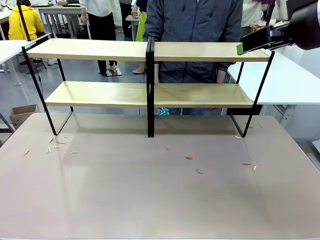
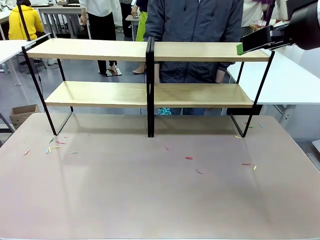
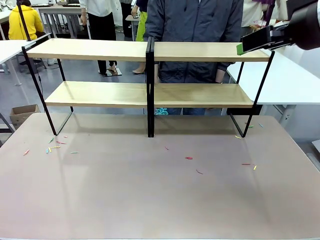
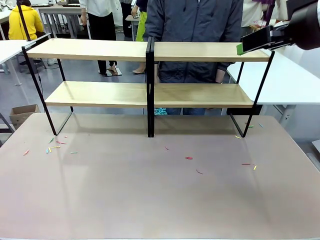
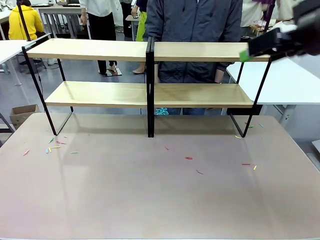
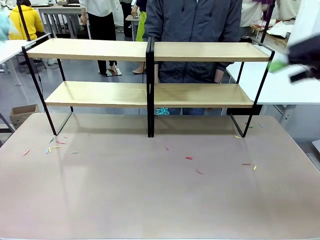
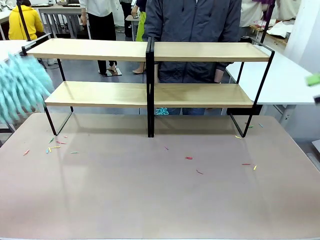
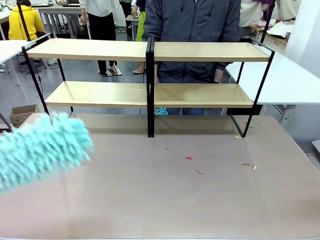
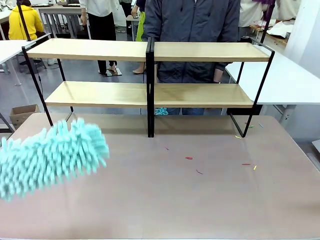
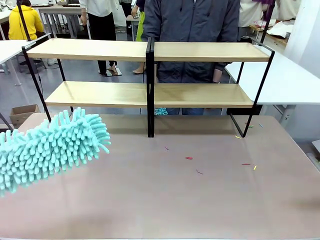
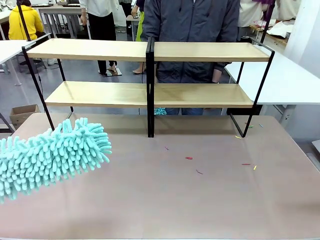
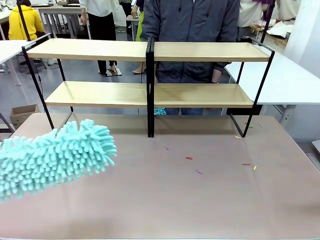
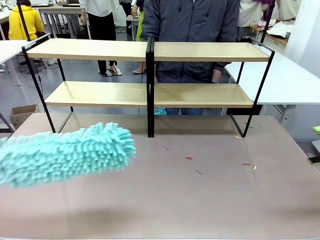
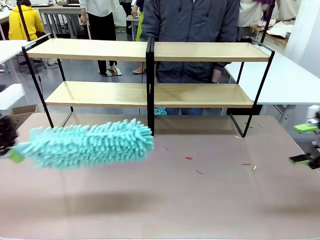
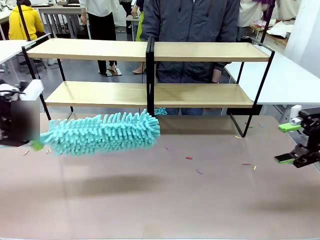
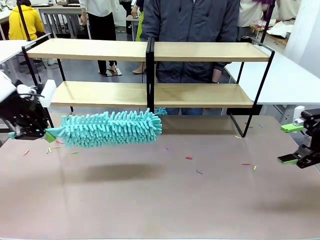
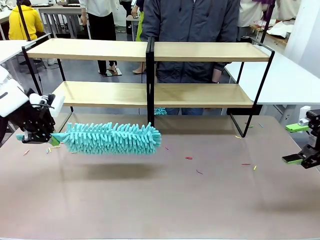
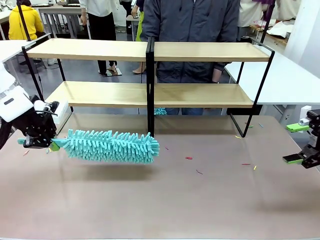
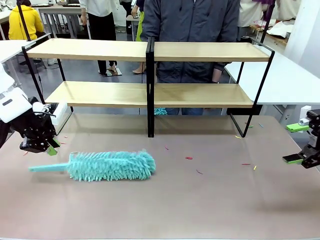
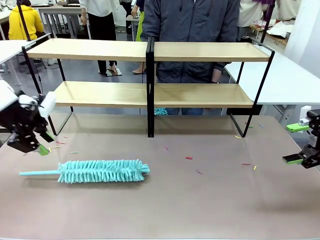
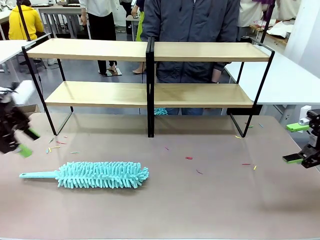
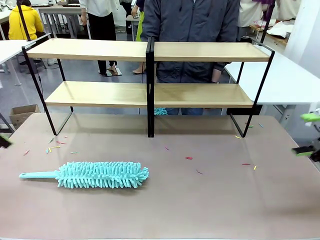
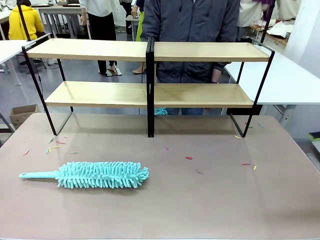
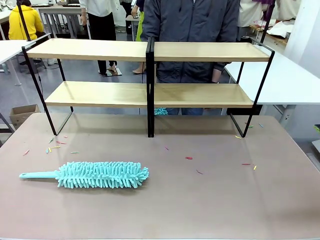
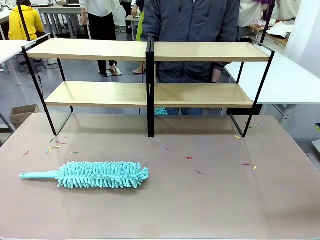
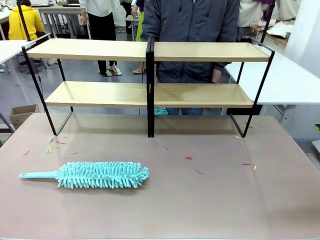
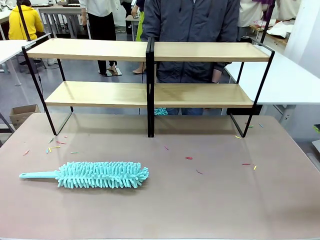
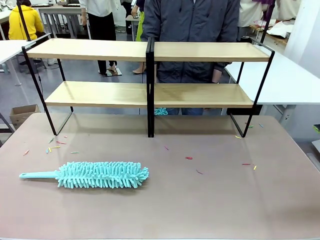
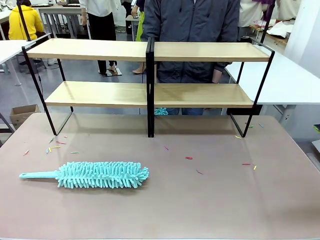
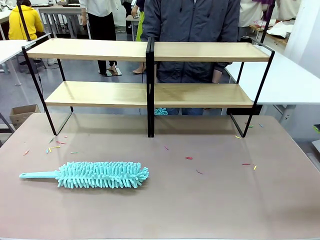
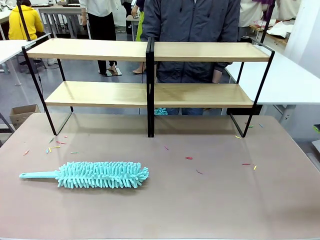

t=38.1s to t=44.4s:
Task: Clean the shelves.
Robot: Place the Duster on the table.

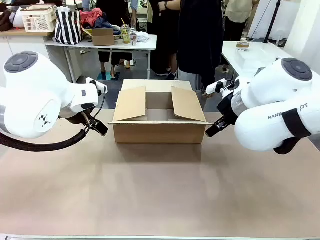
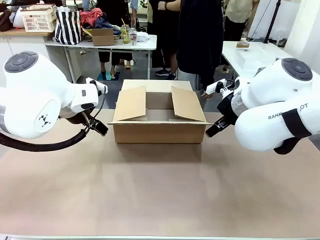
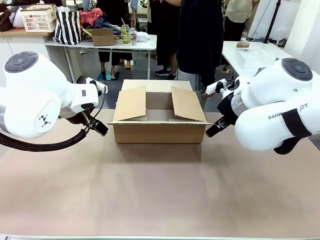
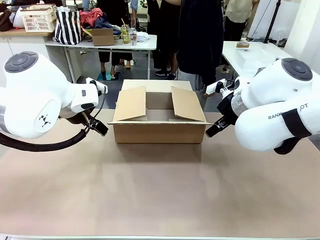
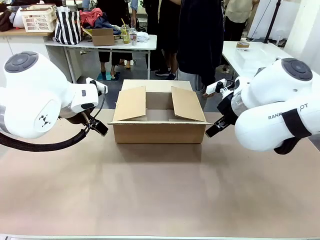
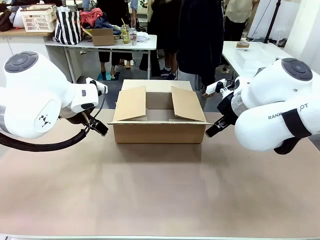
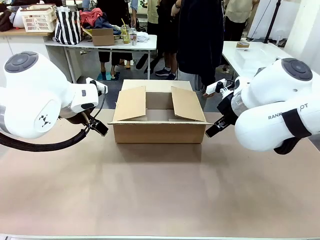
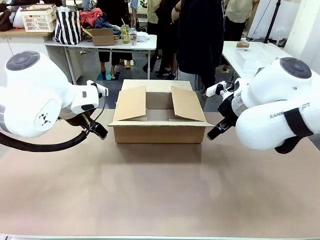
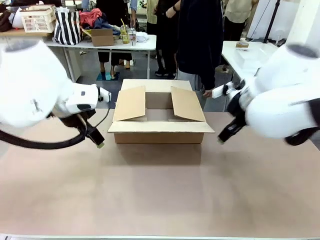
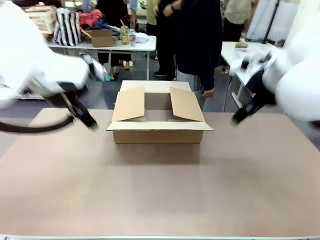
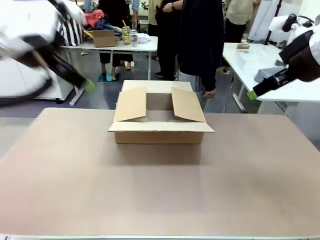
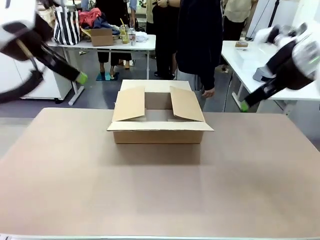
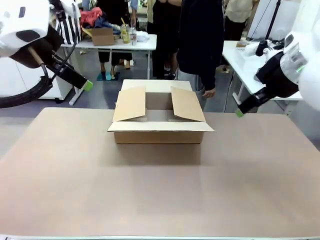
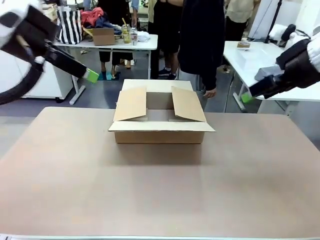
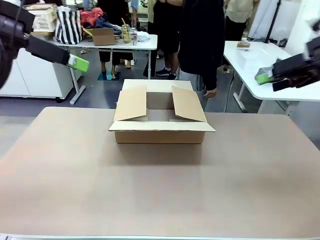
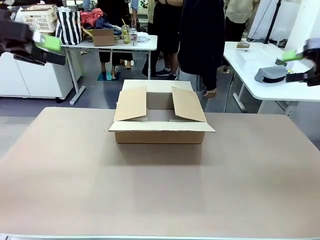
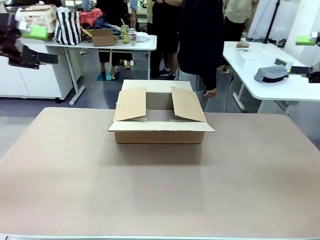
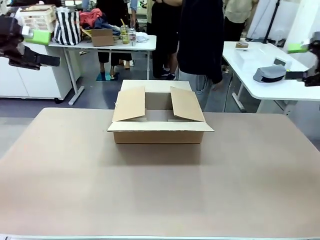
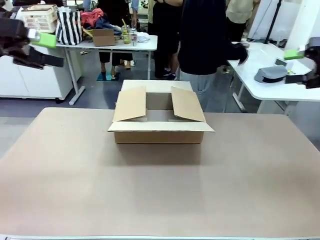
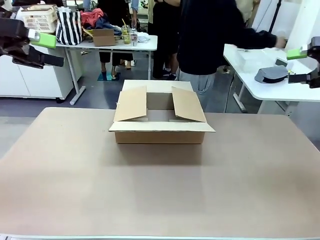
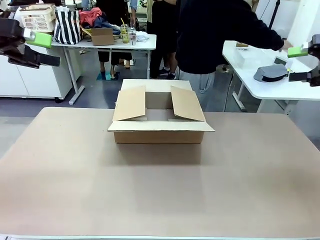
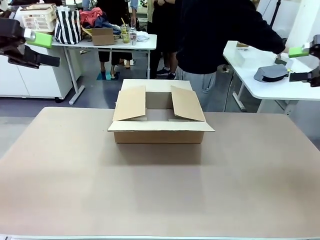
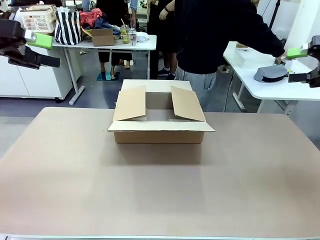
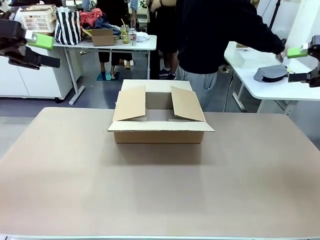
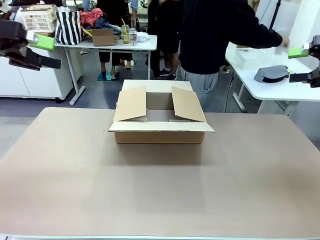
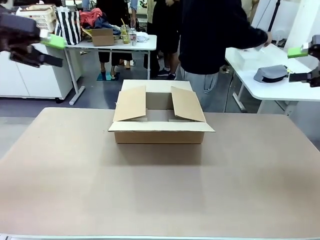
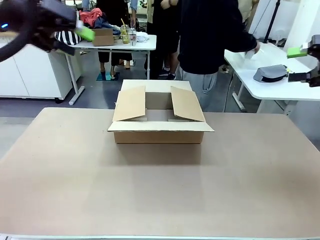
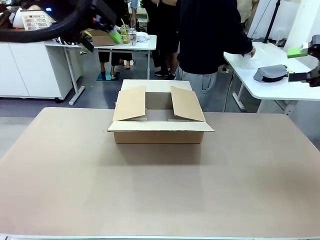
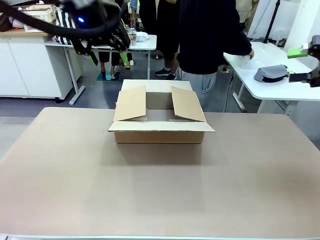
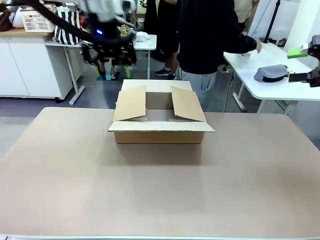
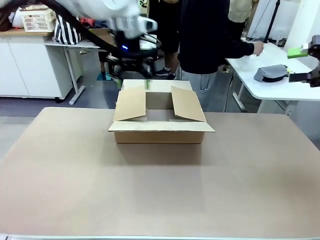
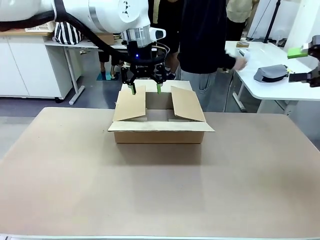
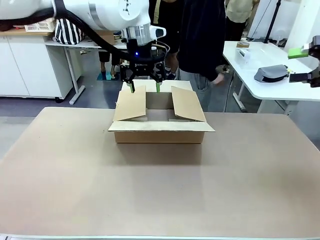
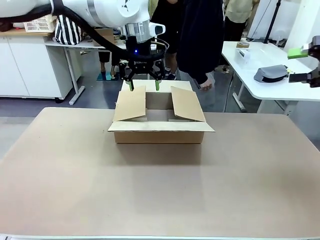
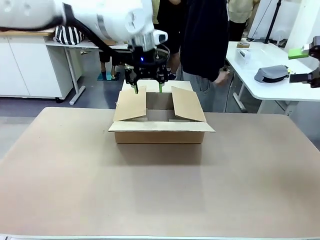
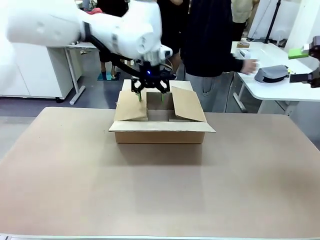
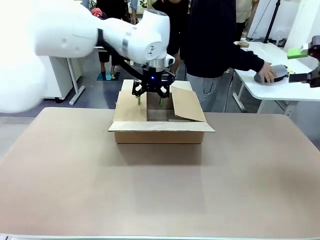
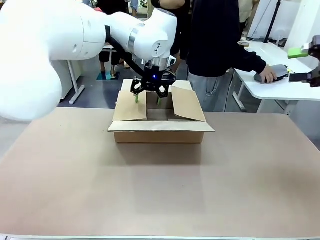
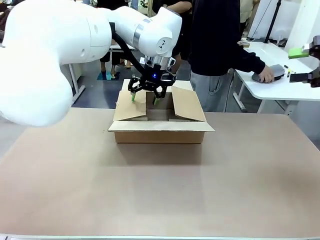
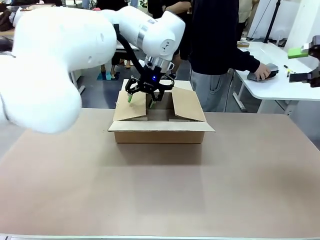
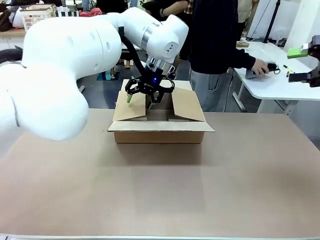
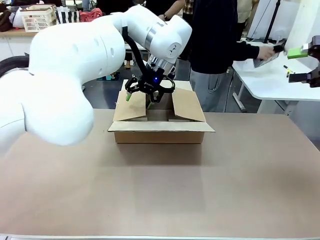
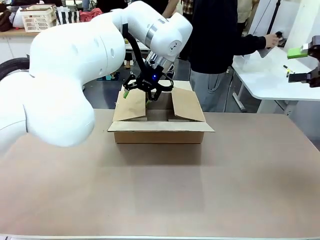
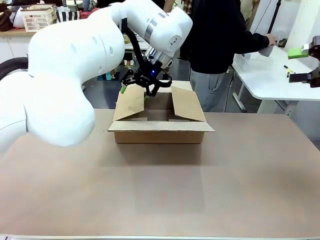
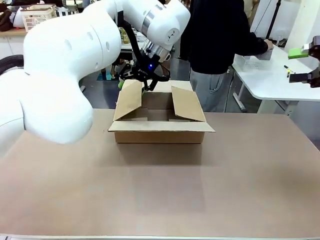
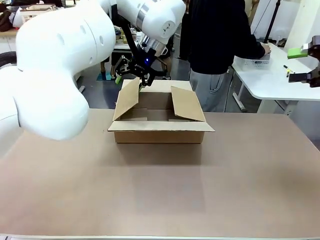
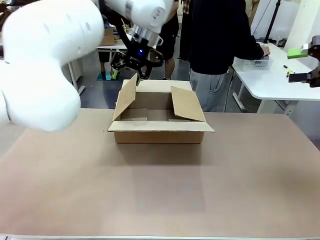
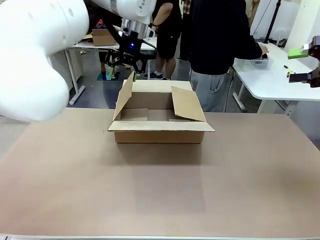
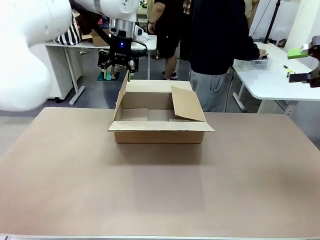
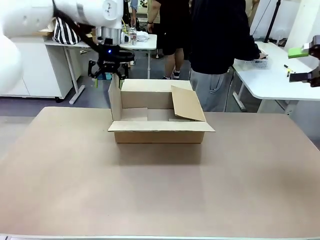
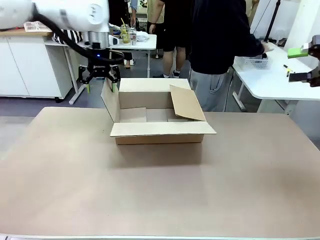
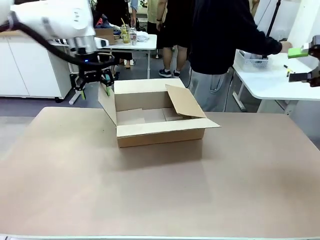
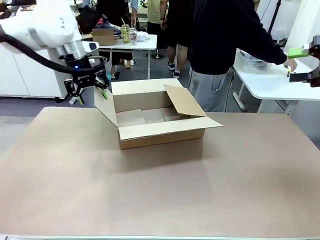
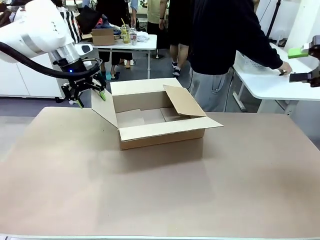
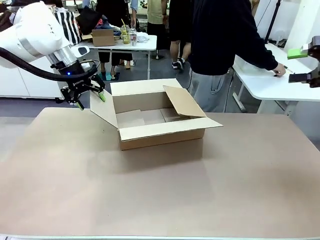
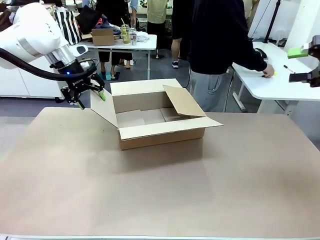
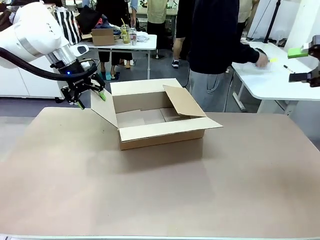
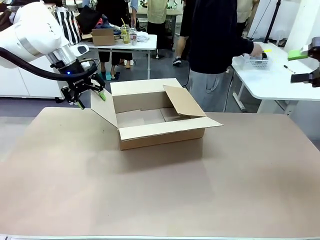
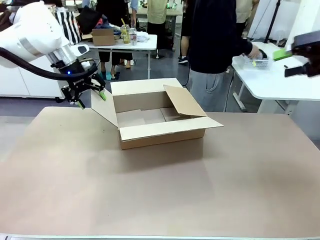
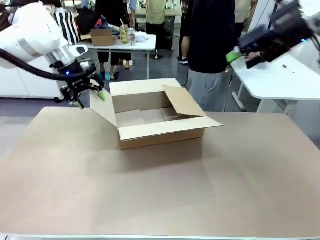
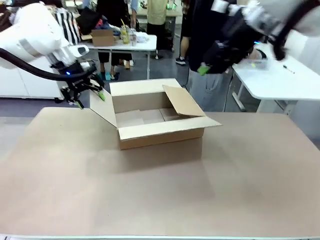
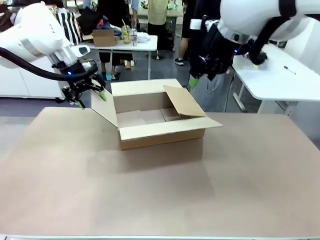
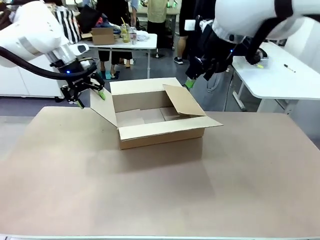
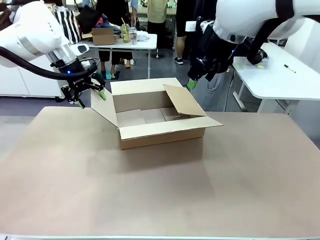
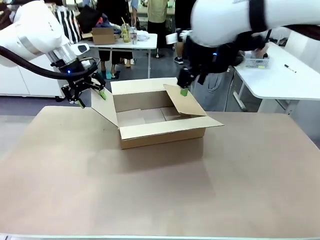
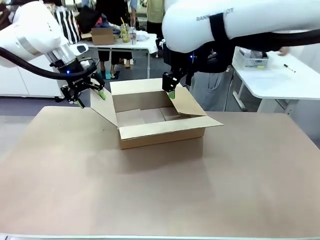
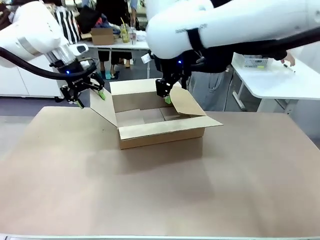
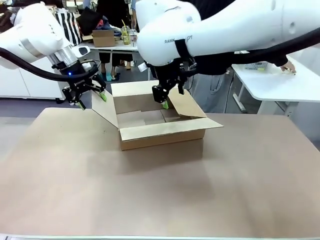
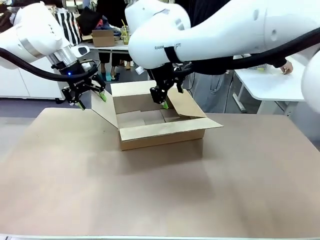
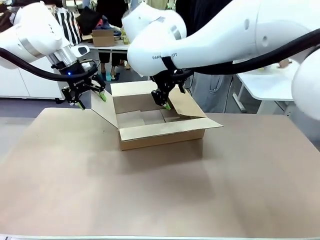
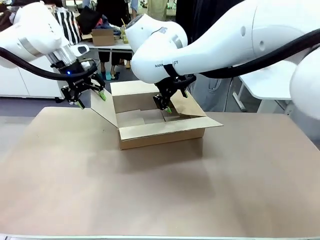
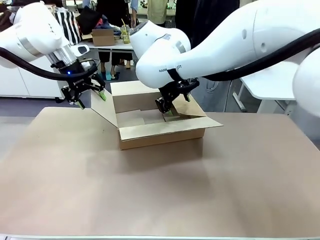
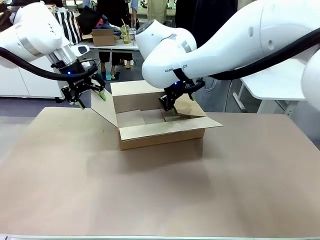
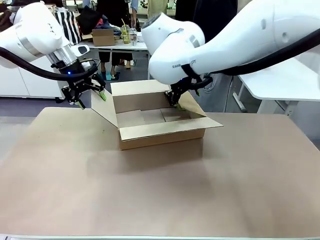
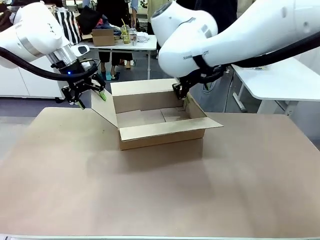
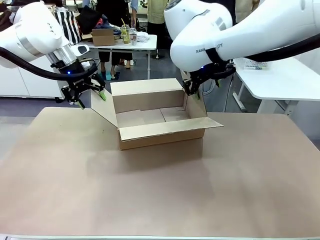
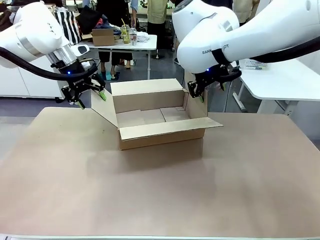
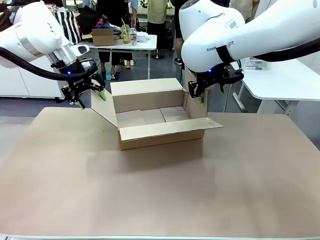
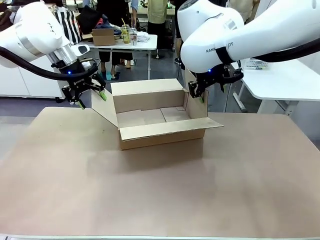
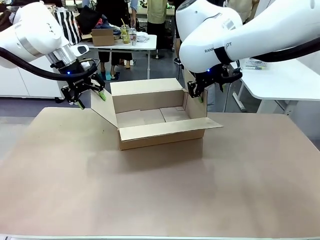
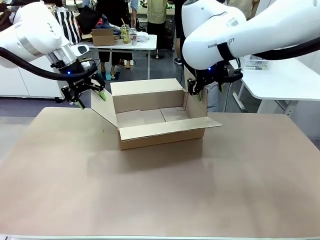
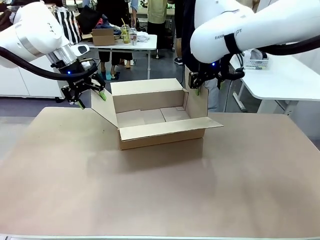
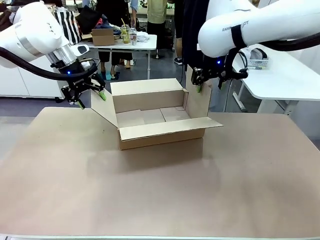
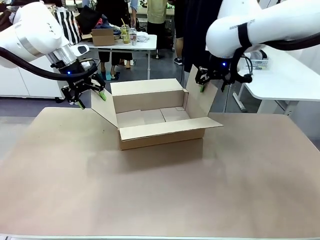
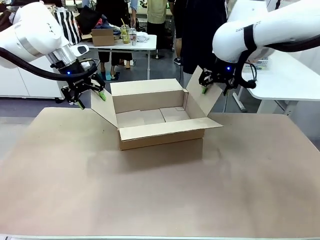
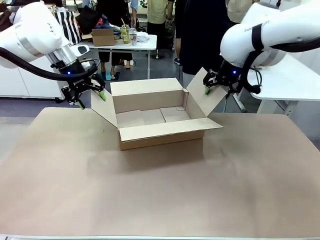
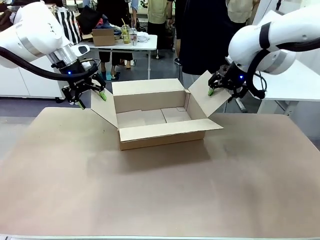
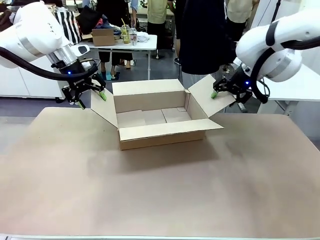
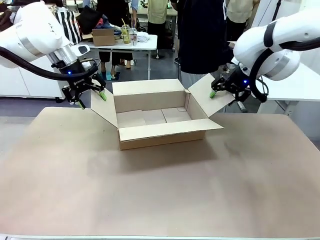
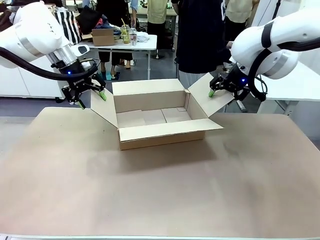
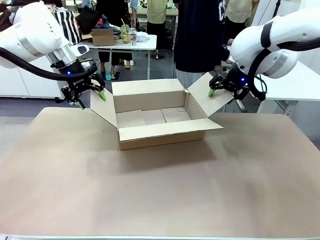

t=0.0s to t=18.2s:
Task: Pack the gift set into the box.
Robot: Place both hands on the side flaps of the Package Box and spread them outward.
Person: The human places all items except the paper tape into the organizing basket.
